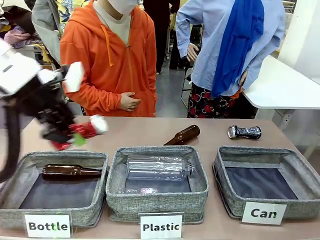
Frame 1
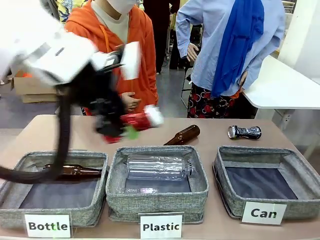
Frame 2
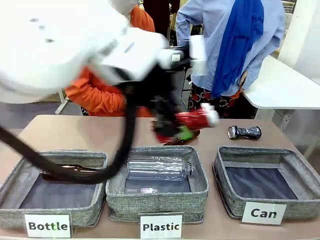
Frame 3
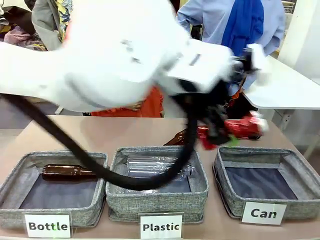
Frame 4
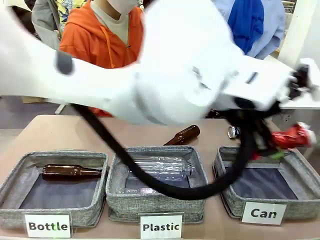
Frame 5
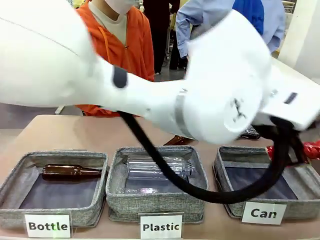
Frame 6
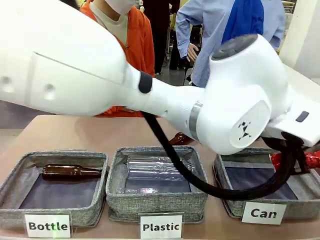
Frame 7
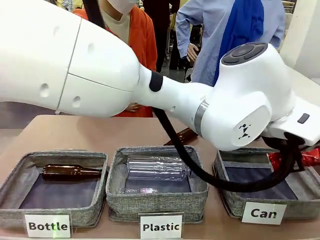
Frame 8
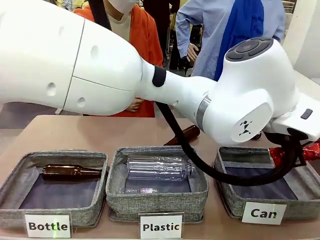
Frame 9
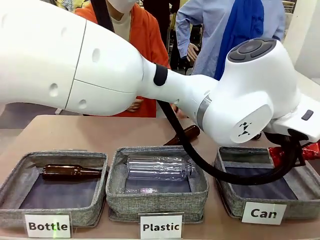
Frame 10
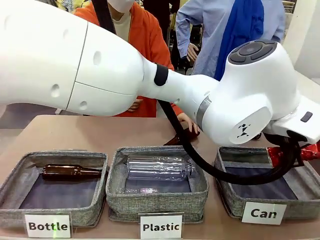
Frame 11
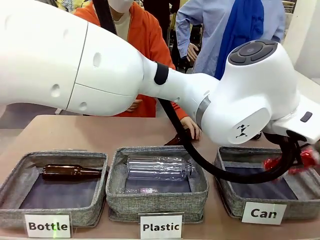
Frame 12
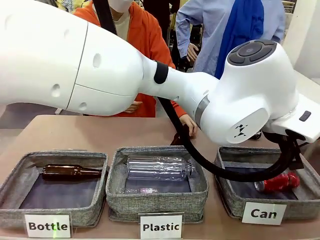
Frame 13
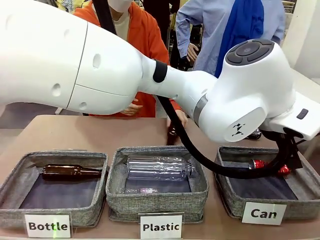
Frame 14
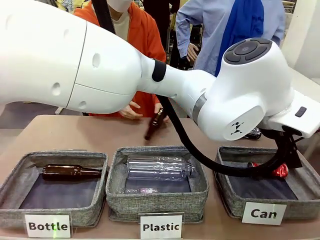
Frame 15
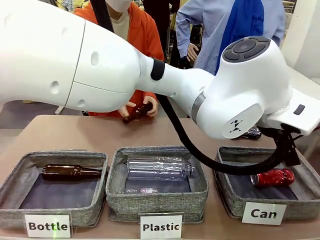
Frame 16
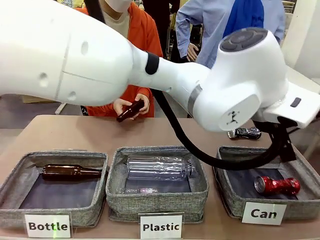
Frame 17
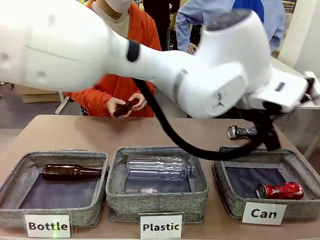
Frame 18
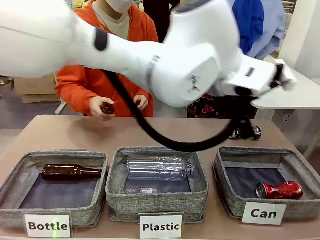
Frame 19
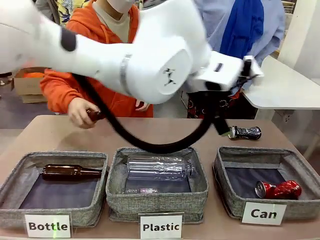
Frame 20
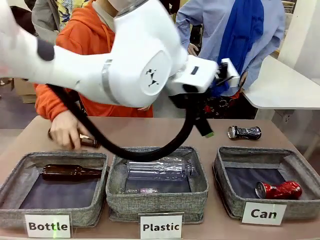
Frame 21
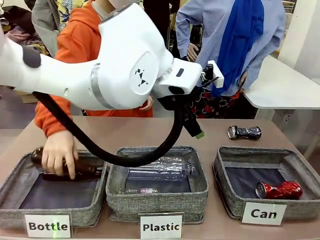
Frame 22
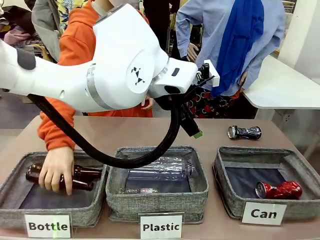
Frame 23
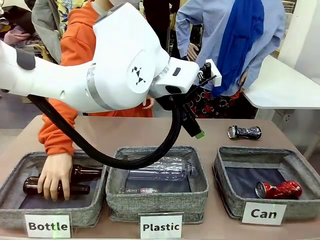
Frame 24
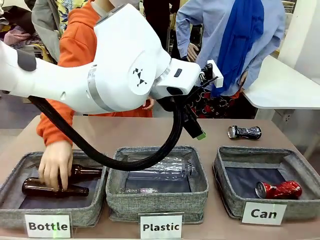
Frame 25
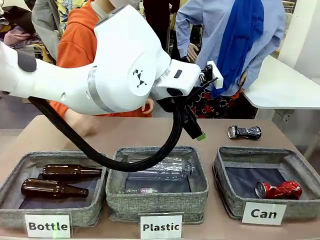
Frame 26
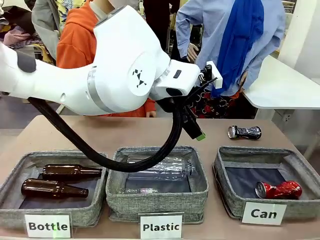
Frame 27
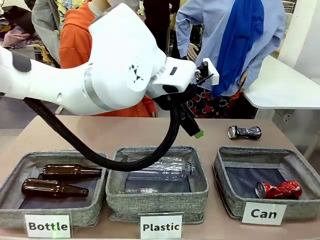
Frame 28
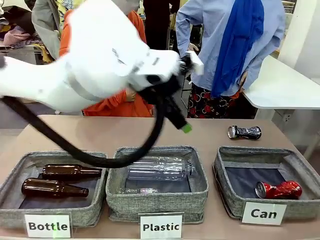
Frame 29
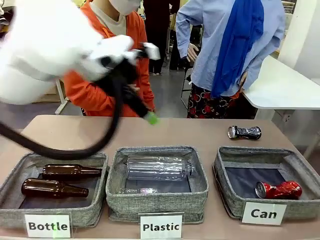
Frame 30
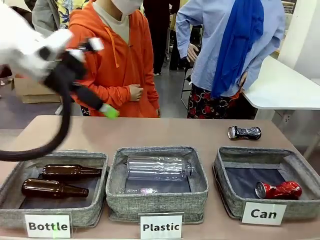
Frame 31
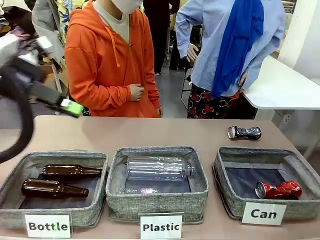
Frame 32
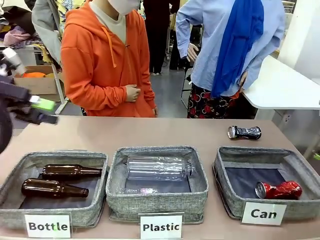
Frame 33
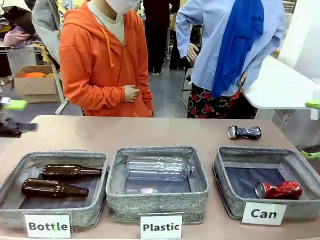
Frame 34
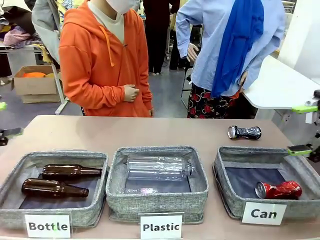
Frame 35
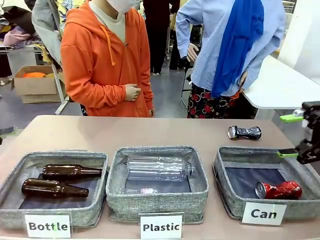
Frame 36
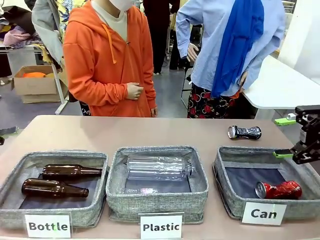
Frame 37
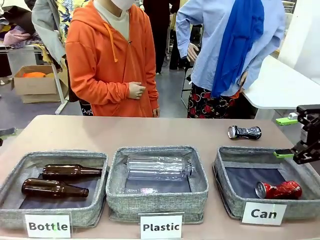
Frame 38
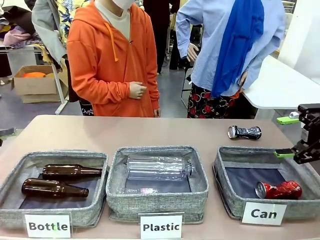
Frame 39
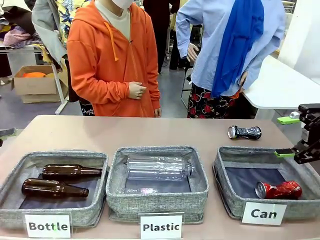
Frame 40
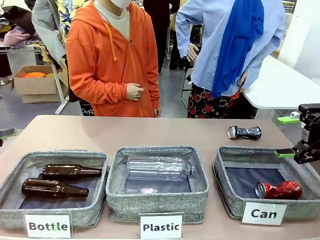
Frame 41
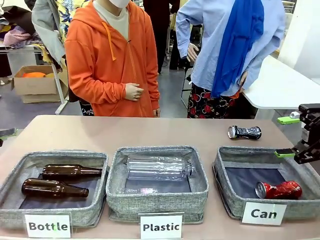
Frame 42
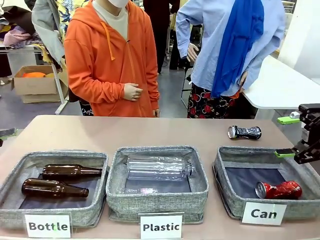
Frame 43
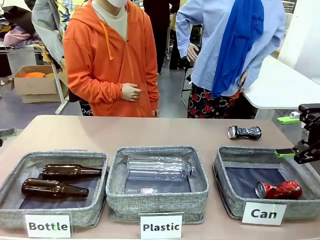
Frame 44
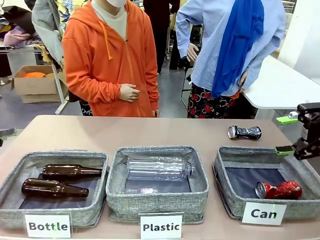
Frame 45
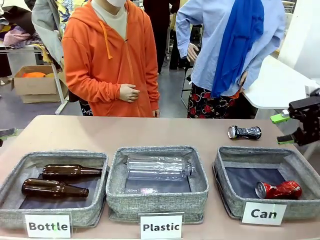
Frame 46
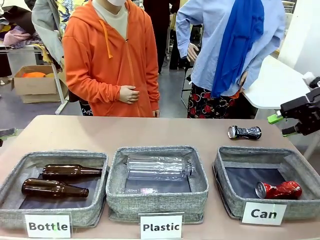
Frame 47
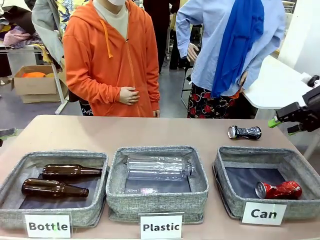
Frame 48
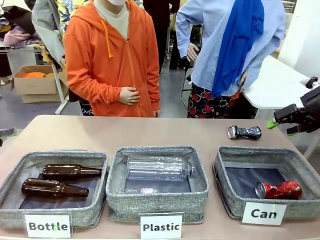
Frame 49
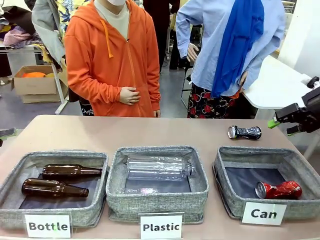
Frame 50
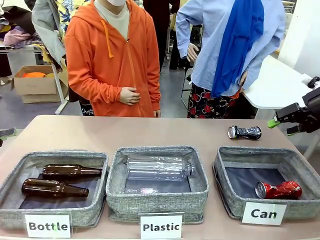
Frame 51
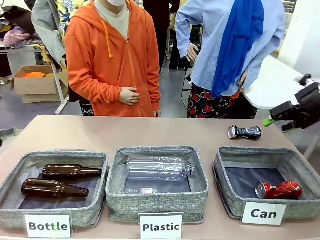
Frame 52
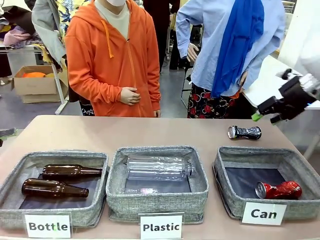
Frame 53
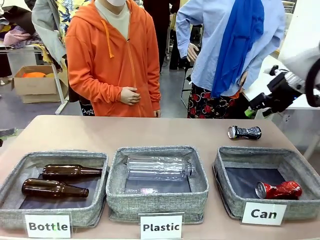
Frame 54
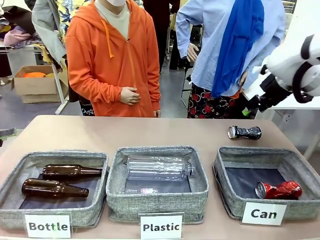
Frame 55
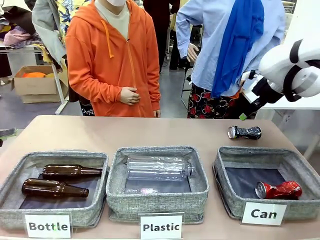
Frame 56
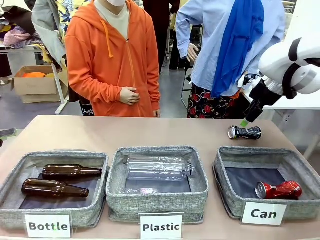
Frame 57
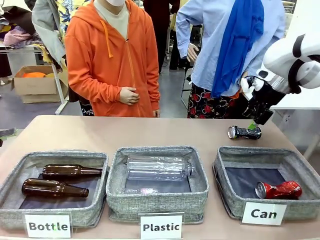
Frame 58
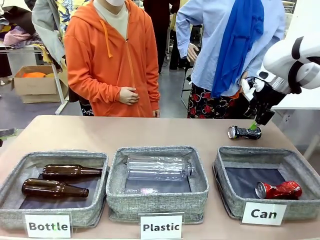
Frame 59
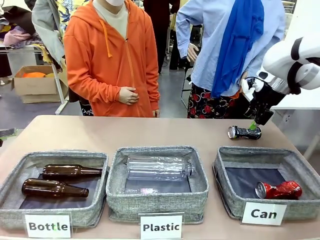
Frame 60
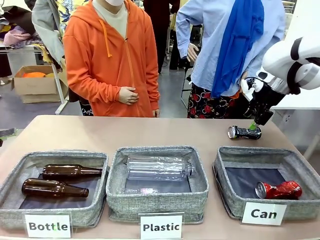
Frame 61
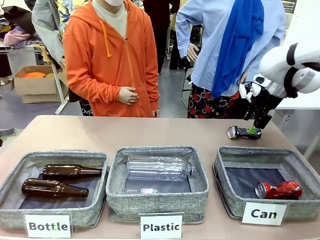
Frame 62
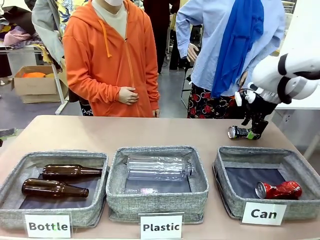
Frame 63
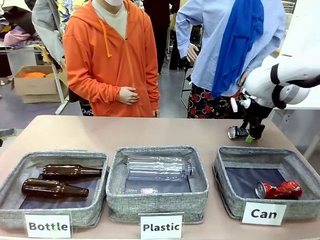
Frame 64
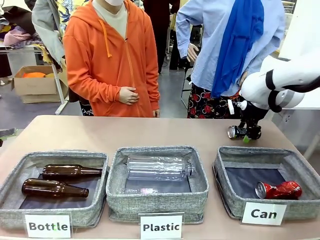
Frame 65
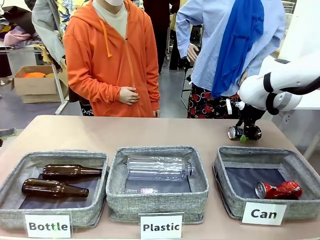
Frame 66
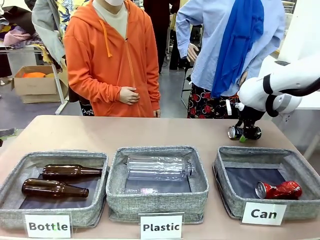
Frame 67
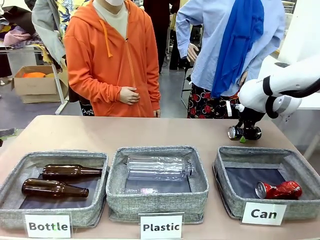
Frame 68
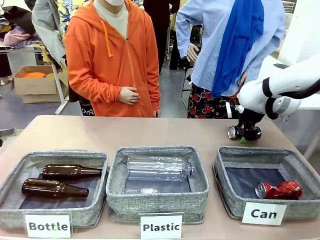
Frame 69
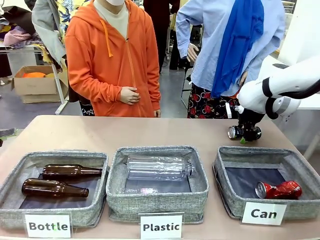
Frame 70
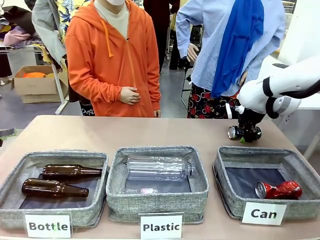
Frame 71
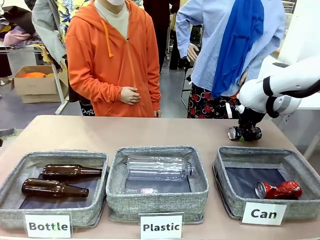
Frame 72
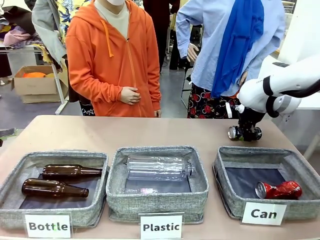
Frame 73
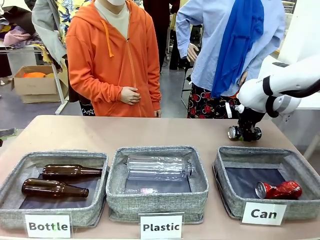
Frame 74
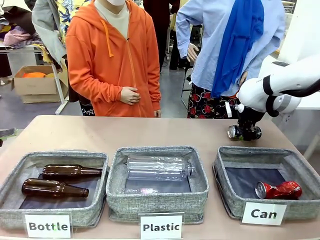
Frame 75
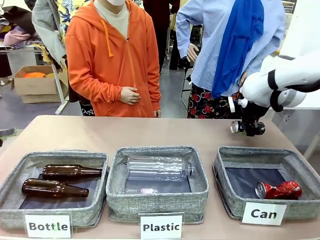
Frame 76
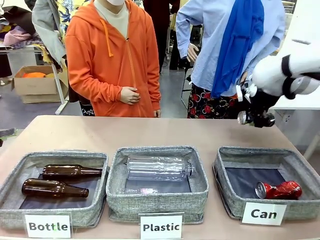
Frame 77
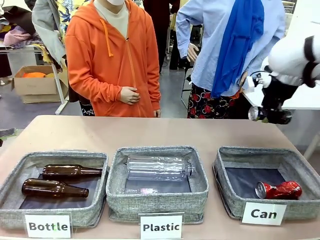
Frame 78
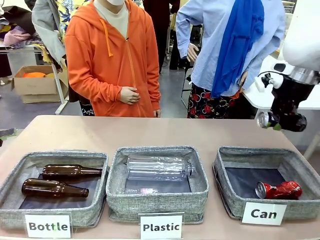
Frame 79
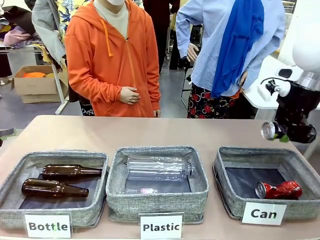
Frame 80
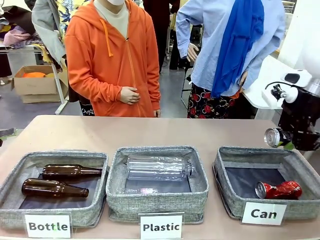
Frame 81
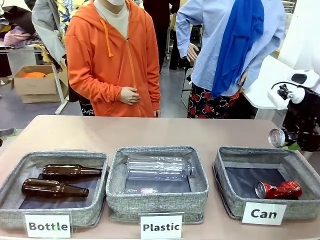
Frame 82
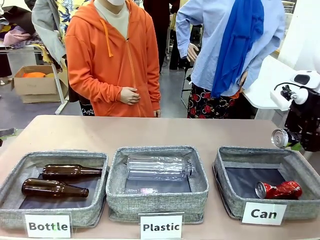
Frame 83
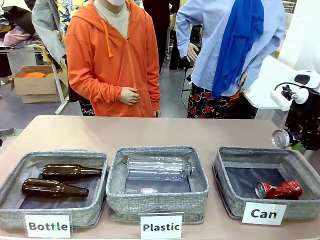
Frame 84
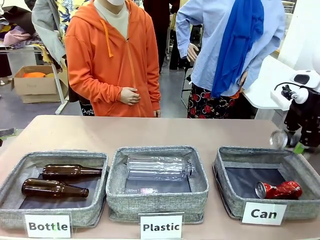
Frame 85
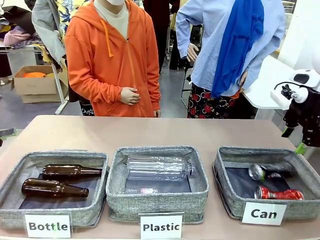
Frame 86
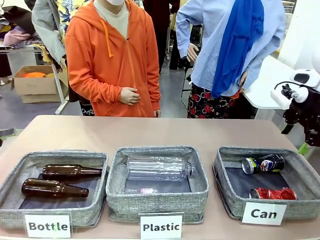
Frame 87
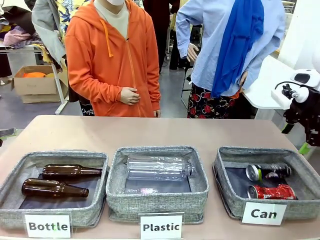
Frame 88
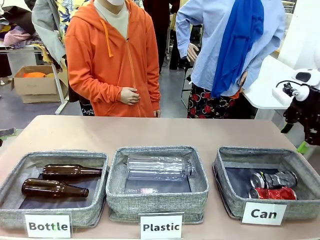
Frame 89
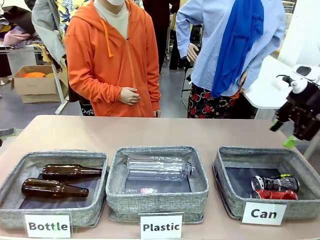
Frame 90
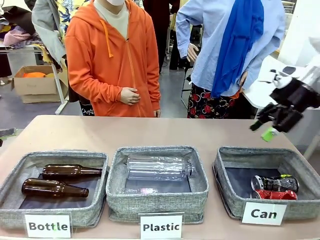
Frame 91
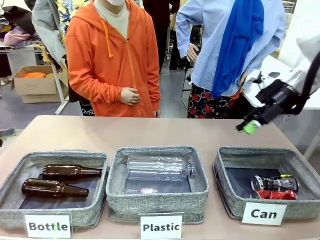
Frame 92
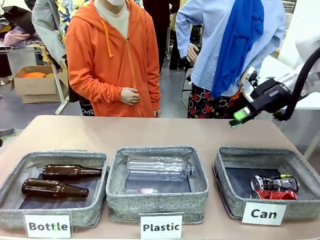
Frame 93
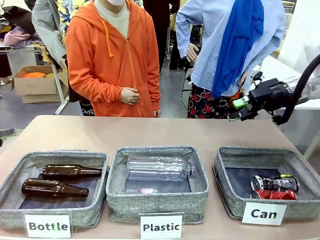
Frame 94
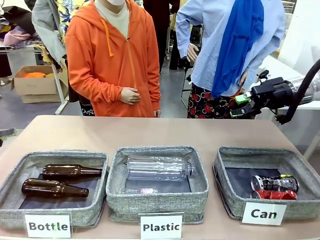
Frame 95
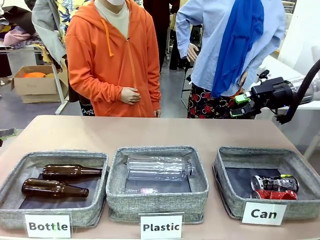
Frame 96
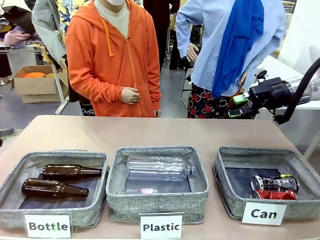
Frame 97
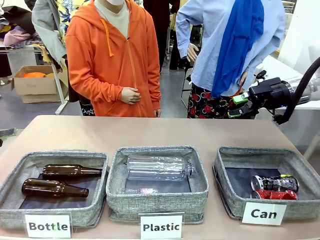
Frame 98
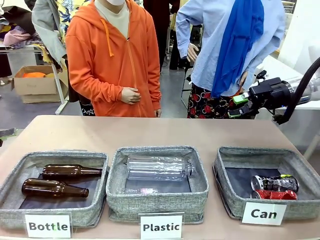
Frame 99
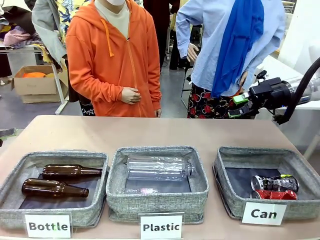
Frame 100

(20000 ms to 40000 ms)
Task: Sort the can waste into the basket.
Robot: Pick up the can waste from the table and place it in the right Fabric basket.
